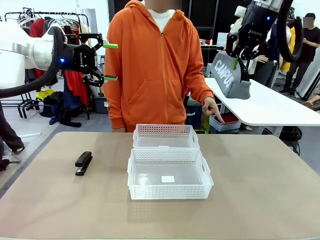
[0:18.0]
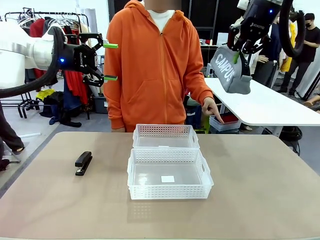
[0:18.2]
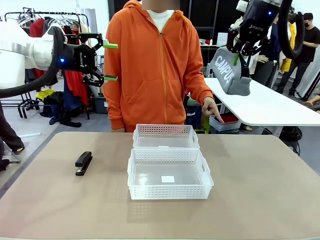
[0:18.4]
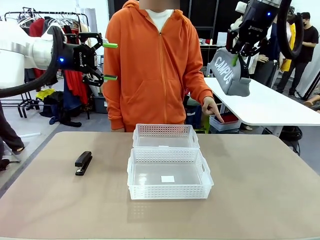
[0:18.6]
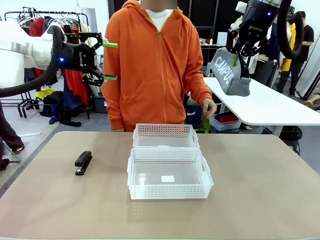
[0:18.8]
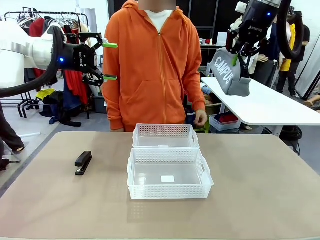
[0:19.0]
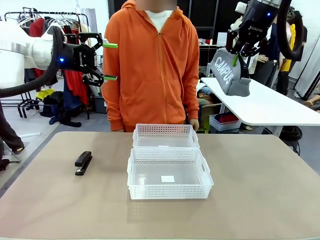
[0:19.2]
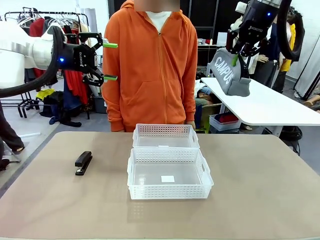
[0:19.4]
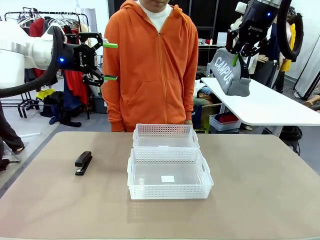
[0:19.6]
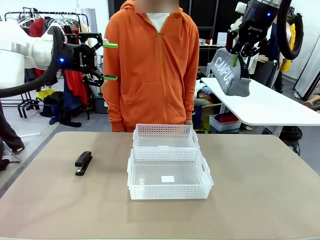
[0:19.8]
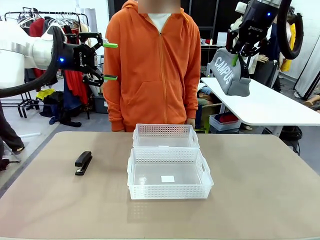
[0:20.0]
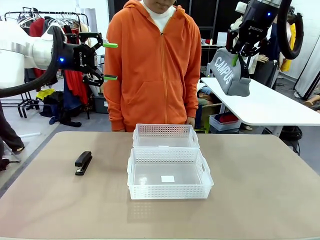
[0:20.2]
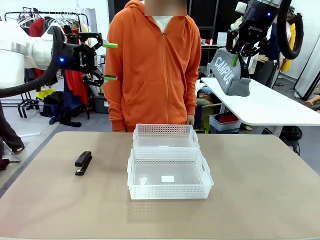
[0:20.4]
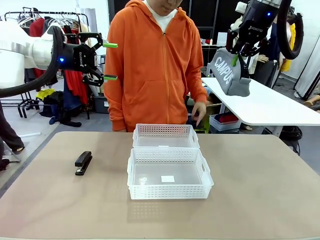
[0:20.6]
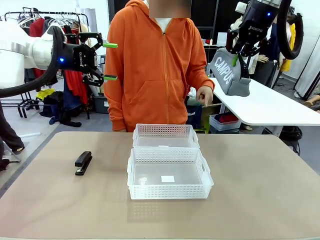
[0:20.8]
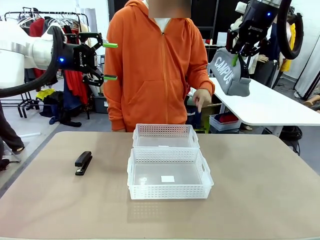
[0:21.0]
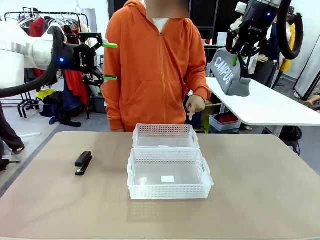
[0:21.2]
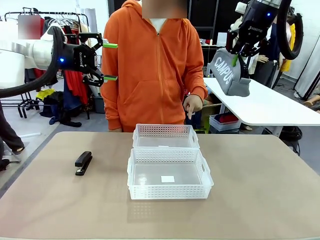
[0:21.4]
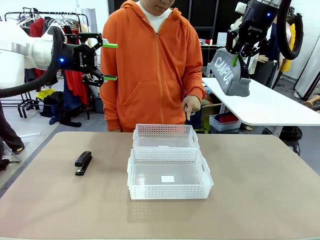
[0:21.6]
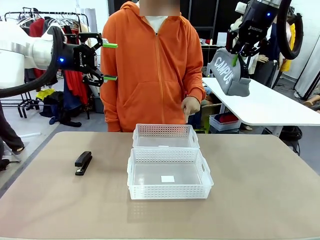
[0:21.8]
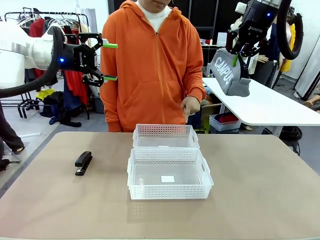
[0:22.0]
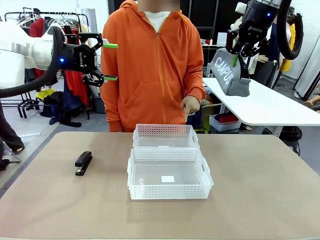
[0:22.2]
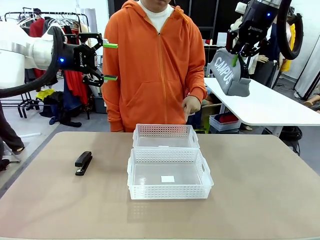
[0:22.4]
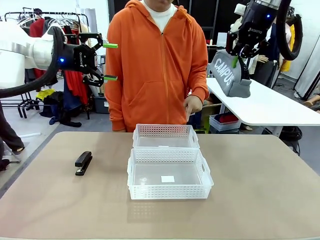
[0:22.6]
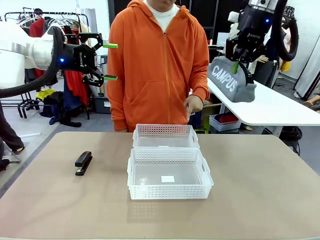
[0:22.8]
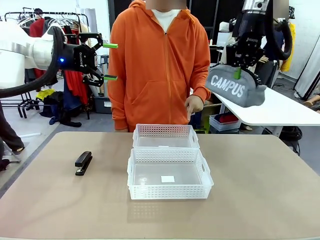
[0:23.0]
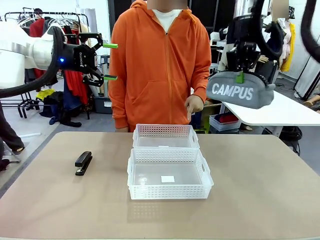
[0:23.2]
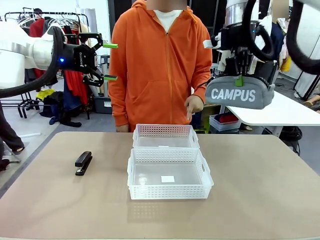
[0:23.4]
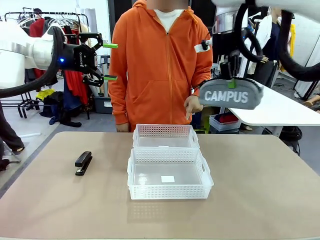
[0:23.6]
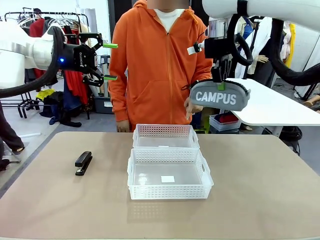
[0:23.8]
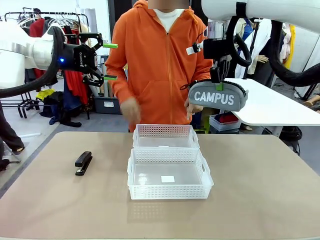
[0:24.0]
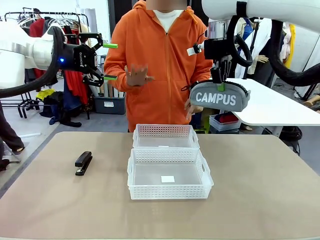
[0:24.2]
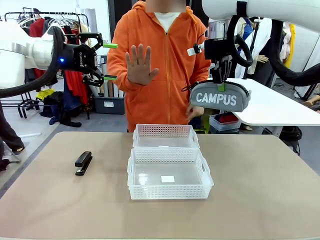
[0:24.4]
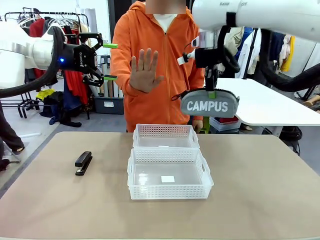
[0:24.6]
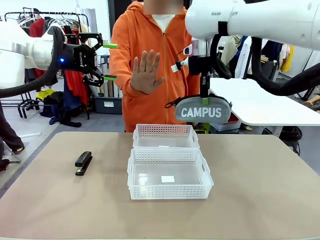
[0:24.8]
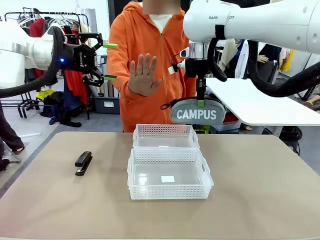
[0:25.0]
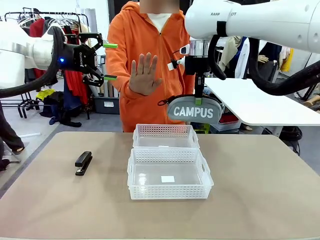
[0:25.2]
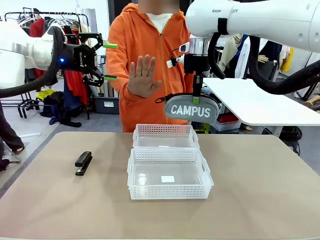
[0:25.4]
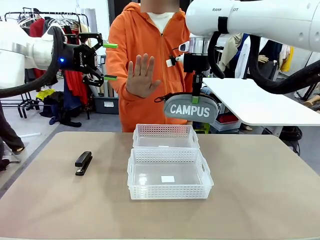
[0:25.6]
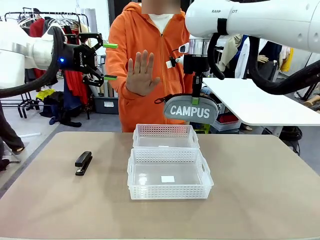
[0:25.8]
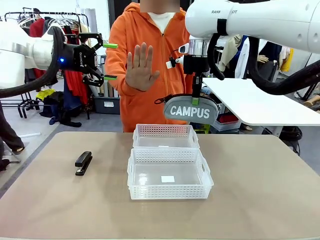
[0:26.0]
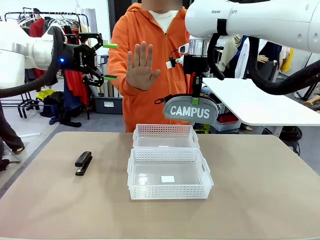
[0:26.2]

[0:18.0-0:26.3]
Task: Distribute items into two baskets.
Robot: Move the picked Pencil pouch towards the Organizing basket indicated by the person, stopping as directed.
Person: Sends a stop gesture before the robot places the pencil case into the basket.

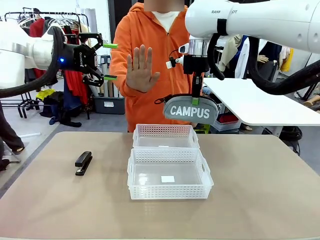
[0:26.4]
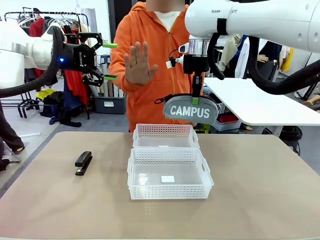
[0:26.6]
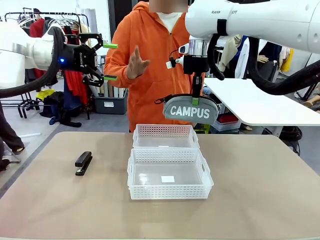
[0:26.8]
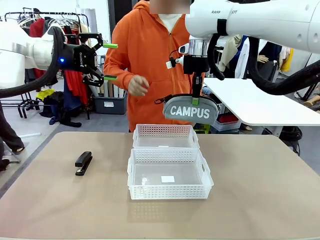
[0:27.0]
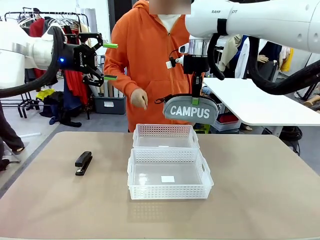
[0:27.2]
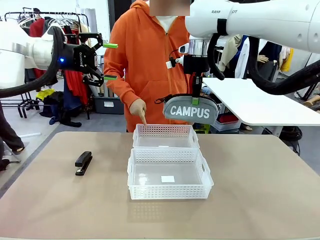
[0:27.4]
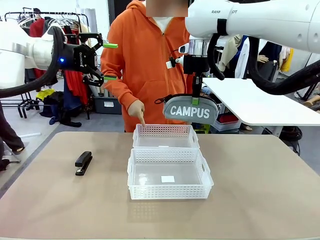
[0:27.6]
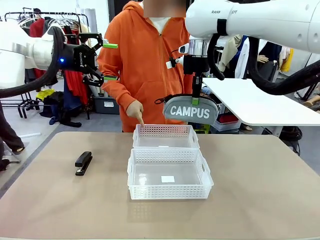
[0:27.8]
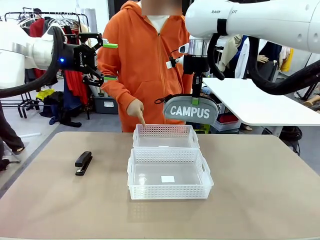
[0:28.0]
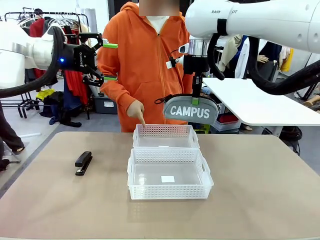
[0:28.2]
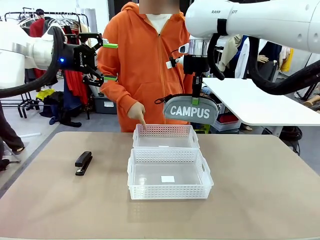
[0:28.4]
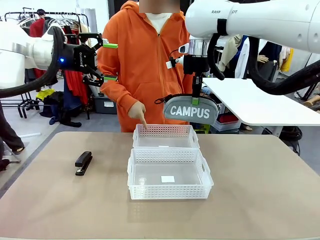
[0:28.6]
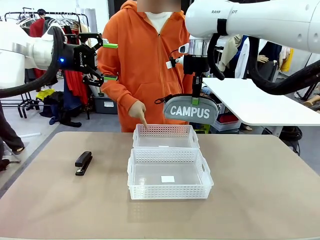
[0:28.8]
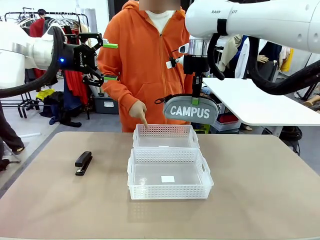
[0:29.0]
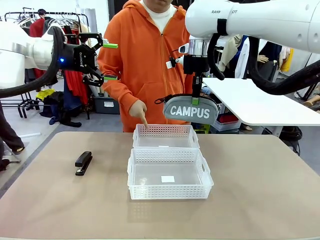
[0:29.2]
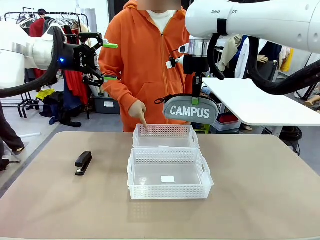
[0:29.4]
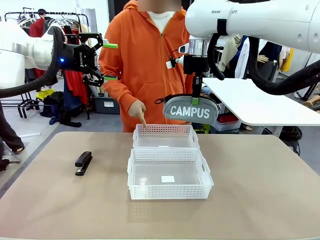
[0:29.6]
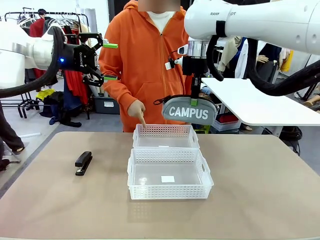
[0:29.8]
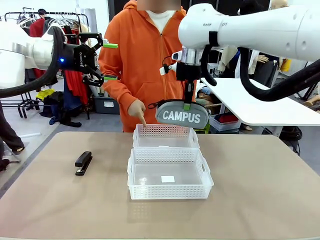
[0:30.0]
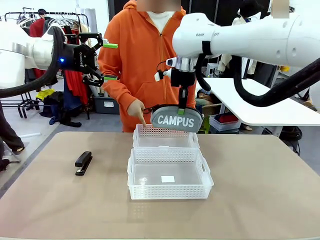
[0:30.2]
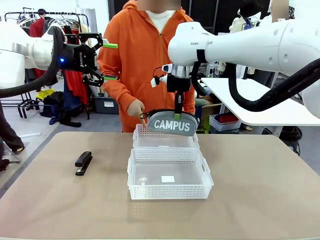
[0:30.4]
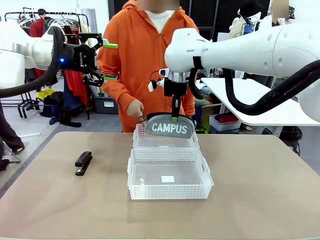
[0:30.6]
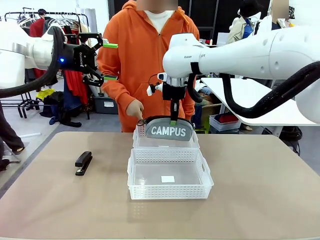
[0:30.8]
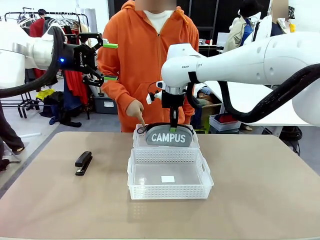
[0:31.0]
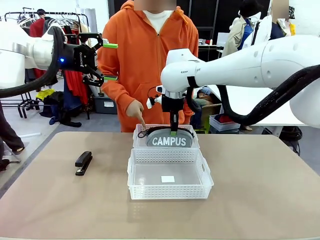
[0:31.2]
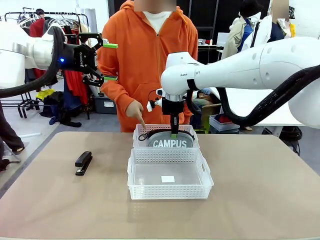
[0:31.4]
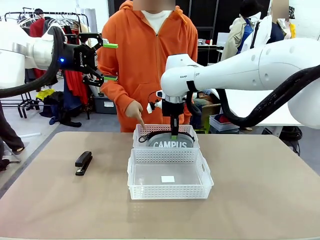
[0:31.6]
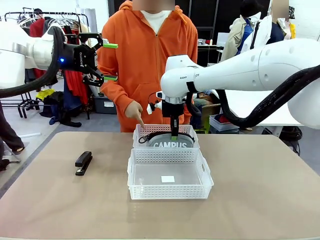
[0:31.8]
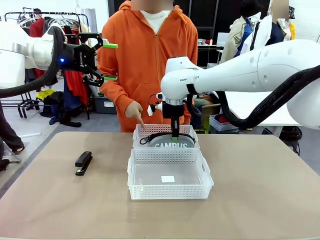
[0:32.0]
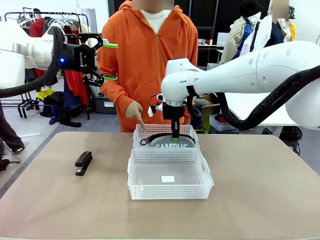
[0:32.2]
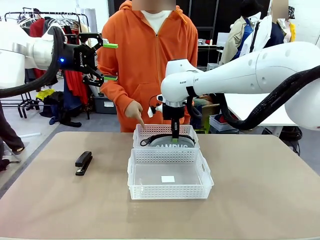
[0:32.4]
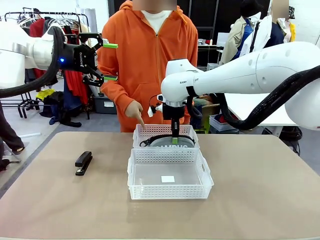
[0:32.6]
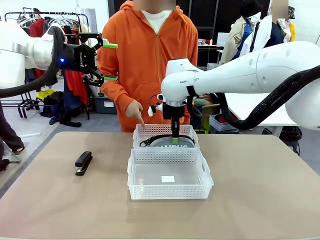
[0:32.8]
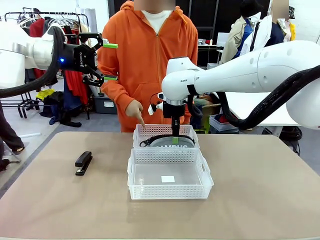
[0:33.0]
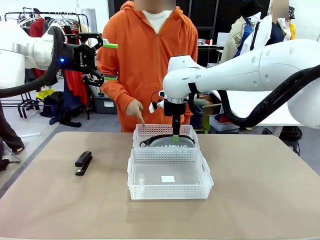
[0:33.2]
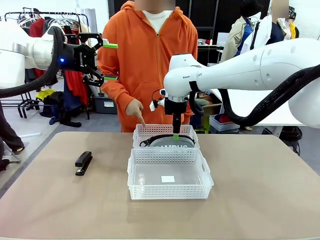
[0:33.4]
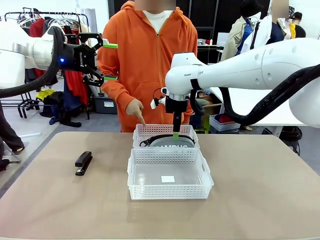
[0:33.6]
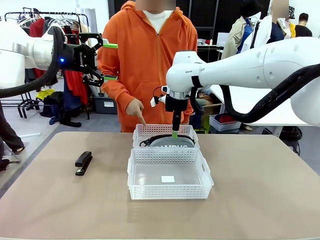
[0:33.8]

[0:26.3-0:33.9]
Robot: Place the picked Pencil pouch into the Organizing basket as instructed by the person.
Person: Instructs the robot to place the pencil case into the opposite basket. Points to the stapler.
